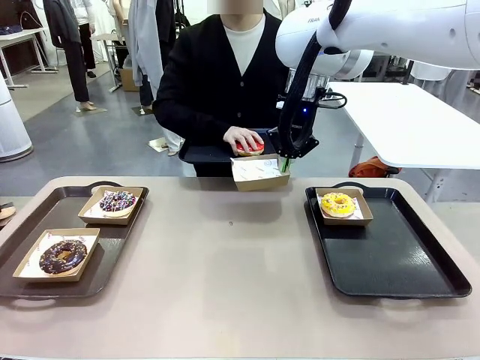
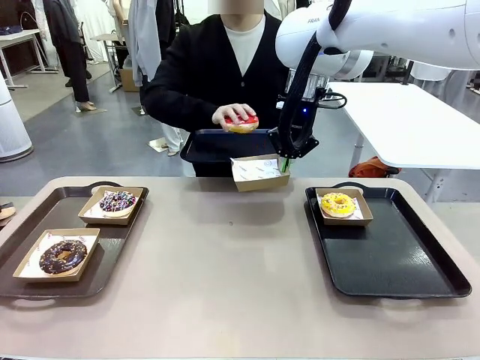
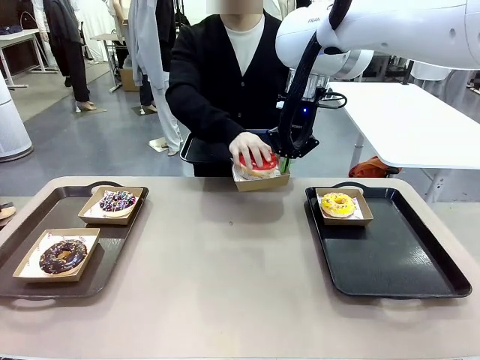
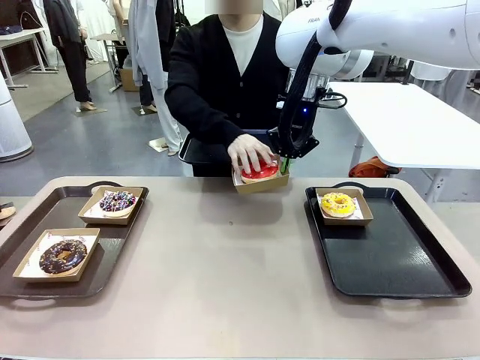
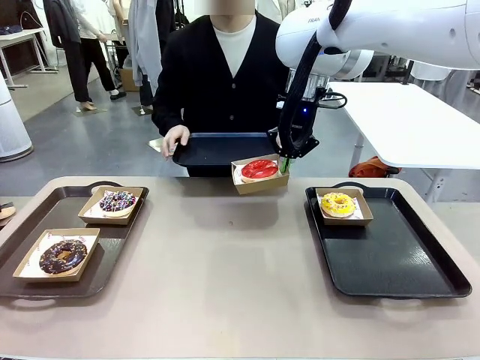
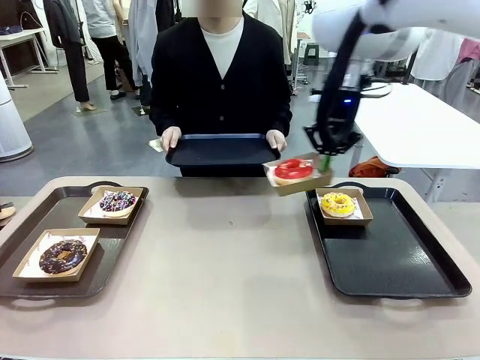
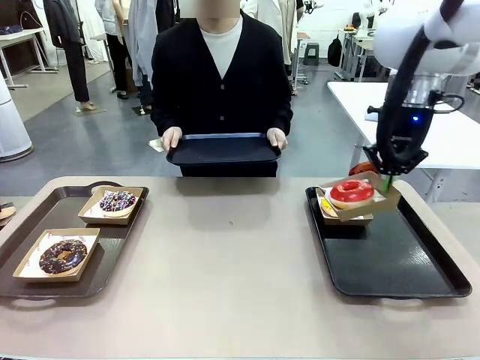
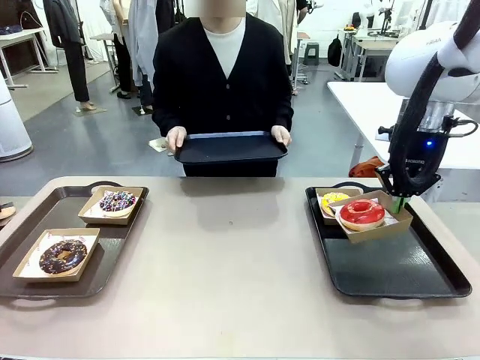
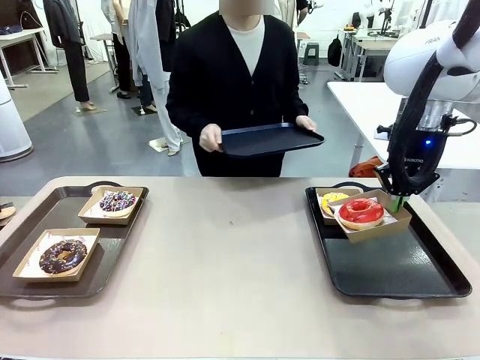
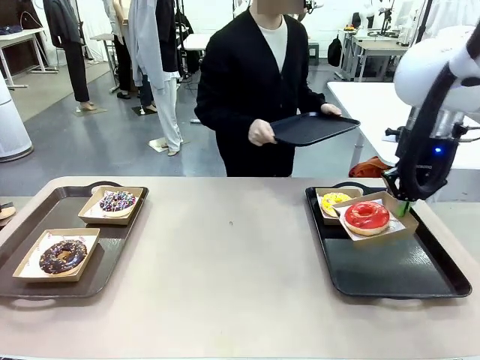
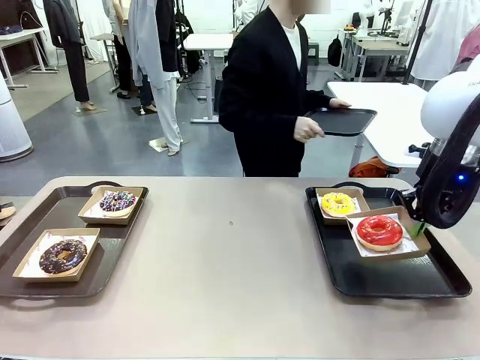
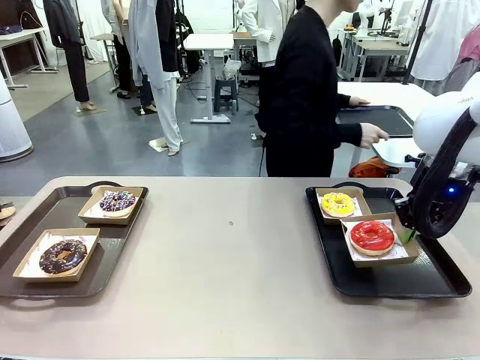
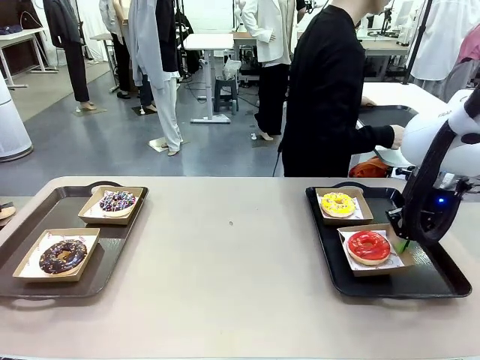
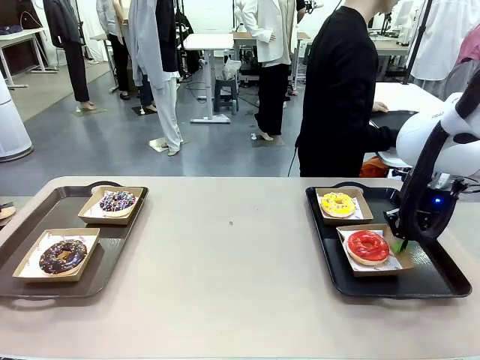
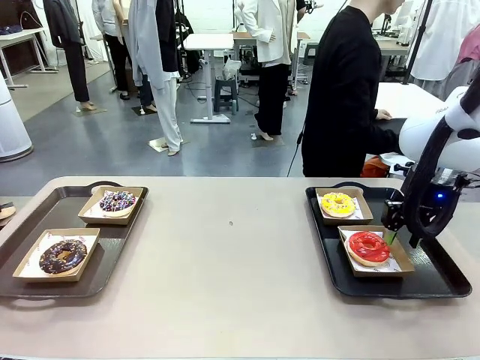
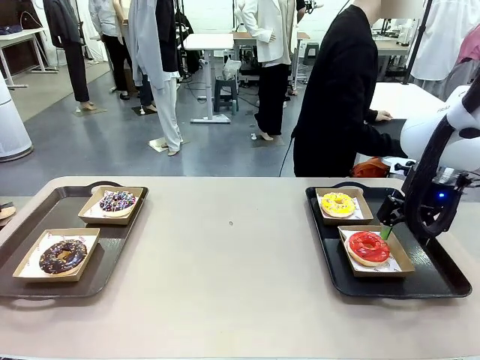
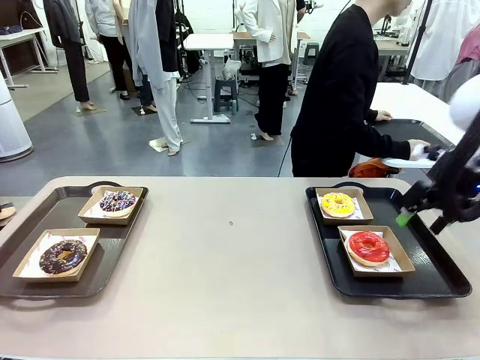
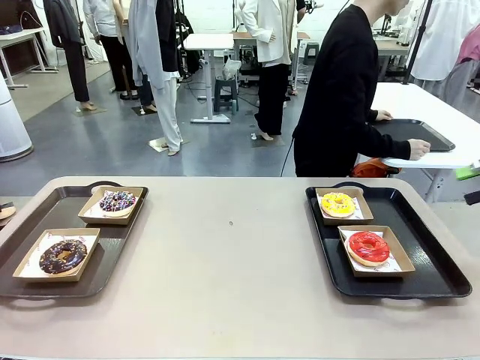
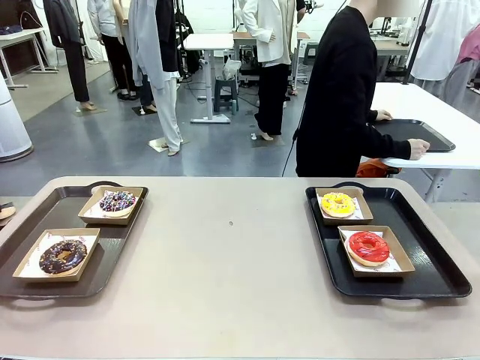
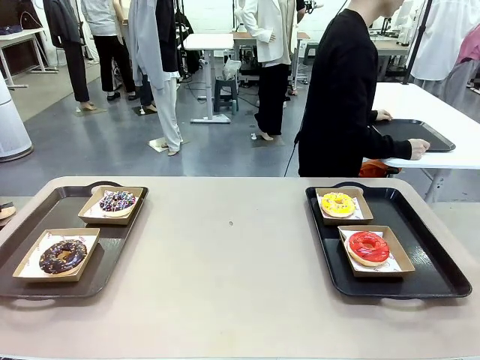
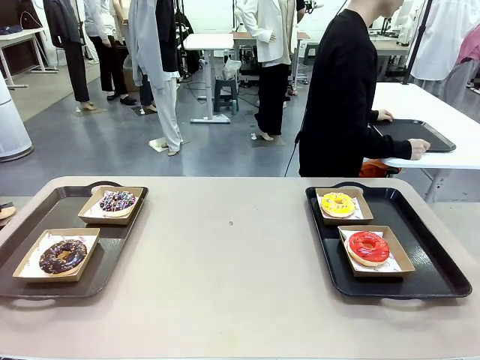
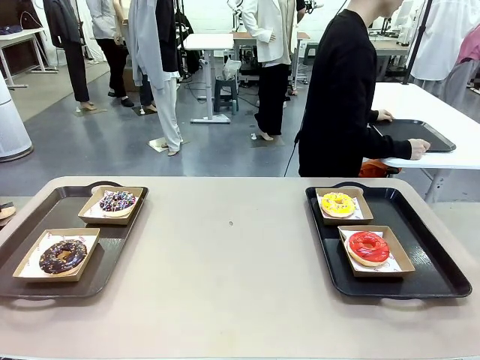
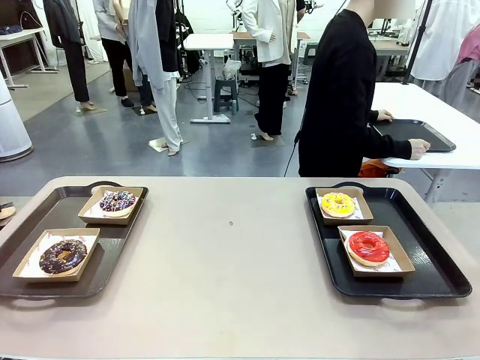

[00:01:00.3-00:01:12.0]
Task: Individually package the donuts and arrange them on the tray.
Robot: Place the picked Paper togo box on the Handle tray.
Person: Place the tray down in the middle of the human table.

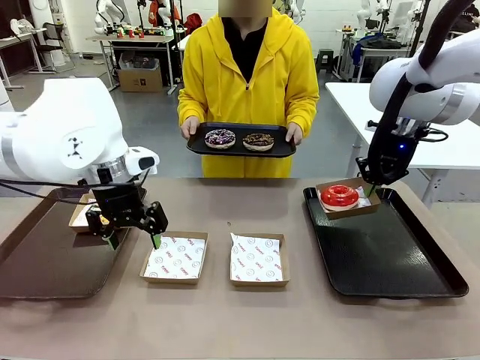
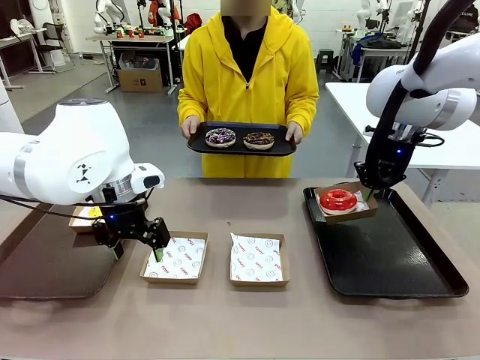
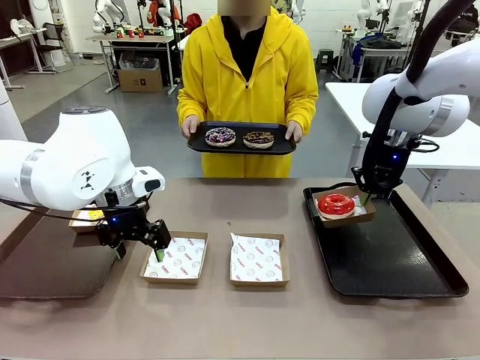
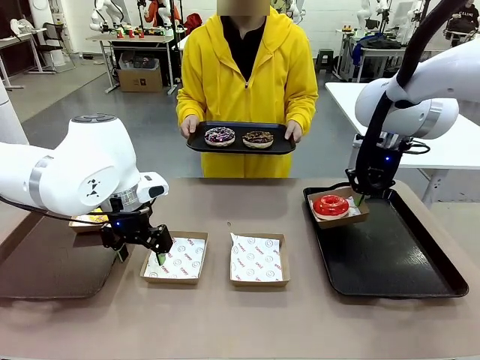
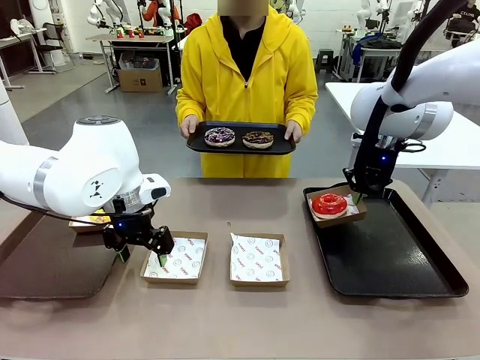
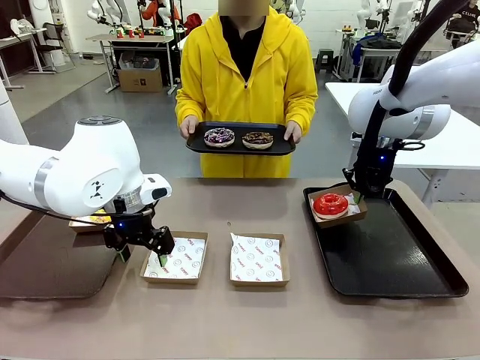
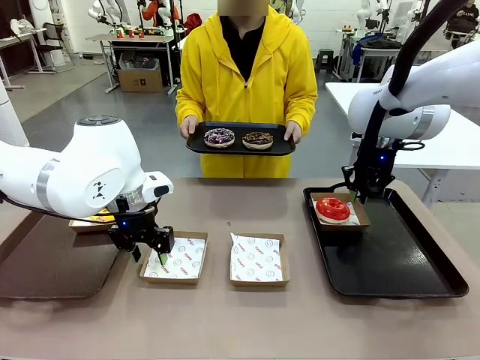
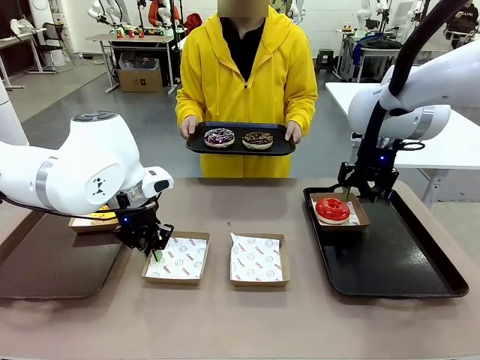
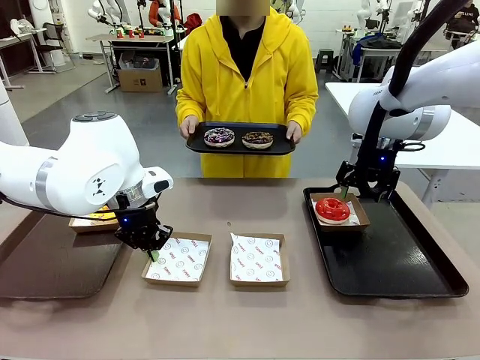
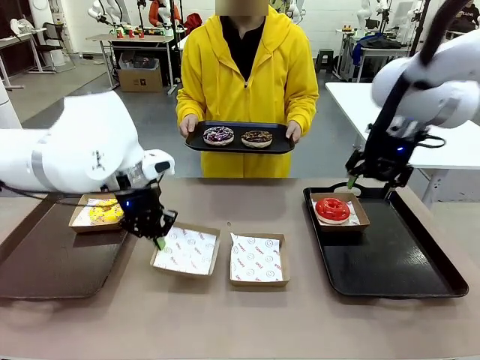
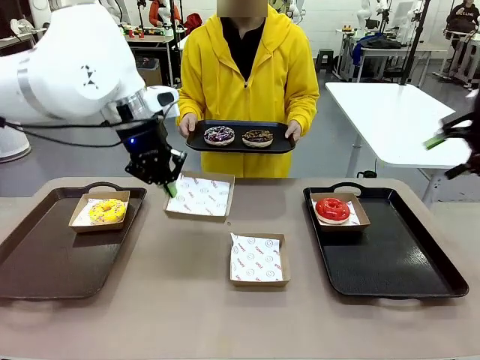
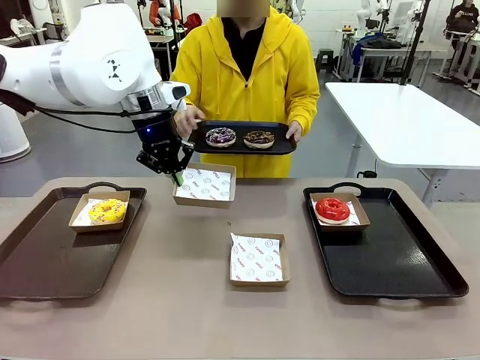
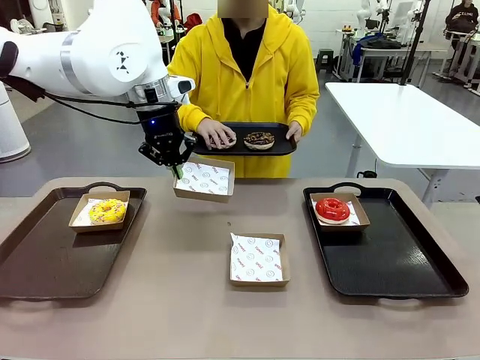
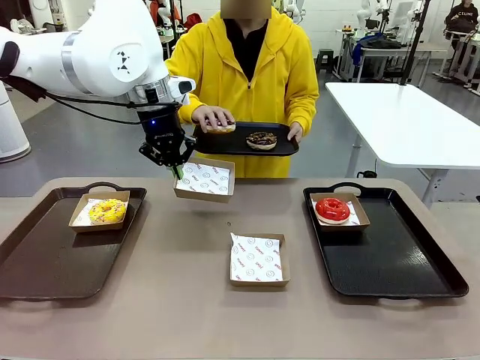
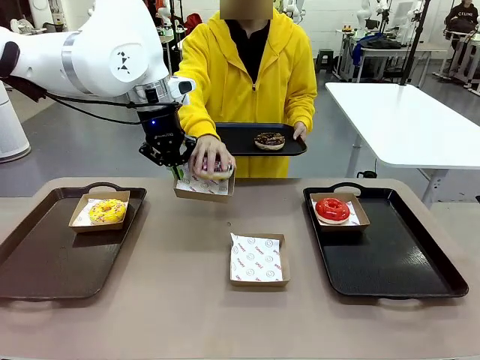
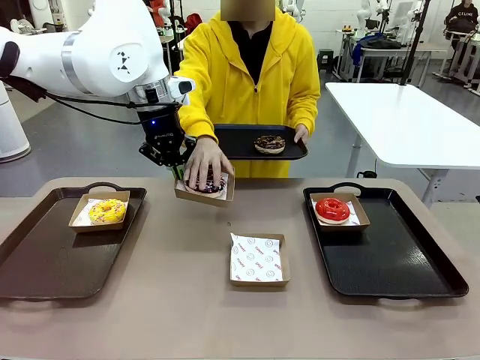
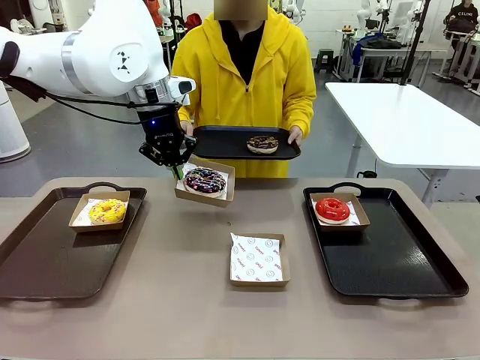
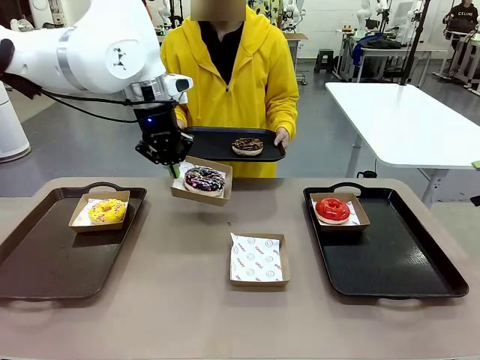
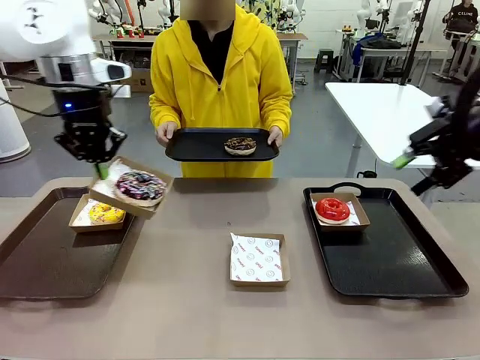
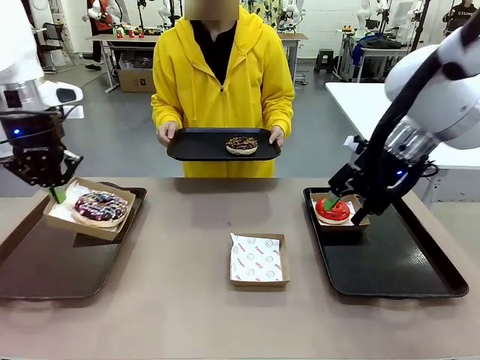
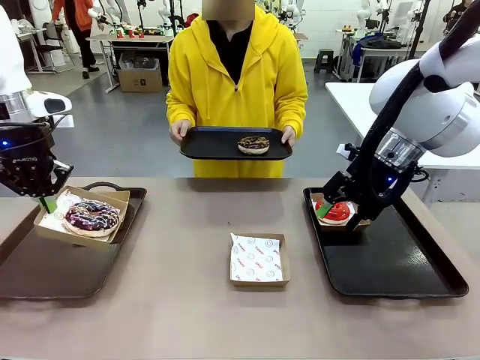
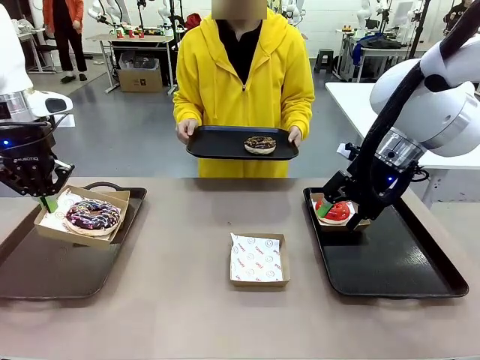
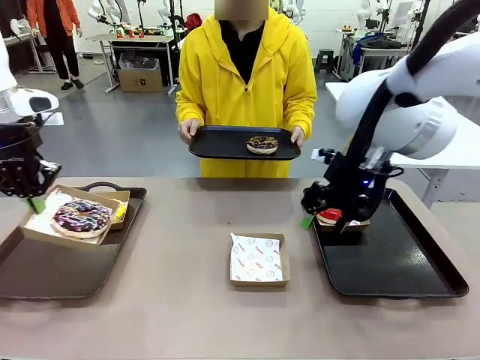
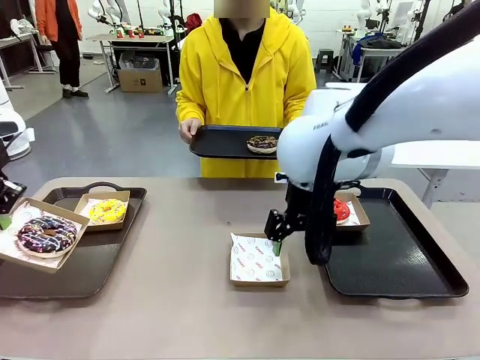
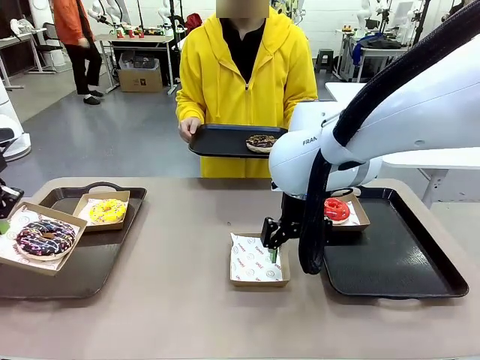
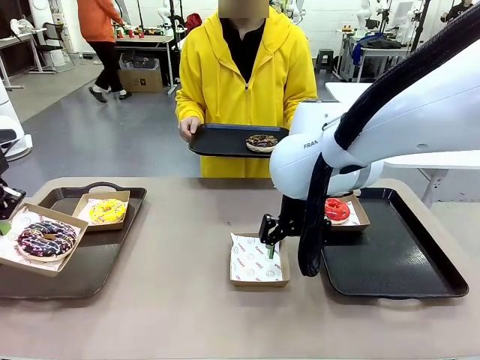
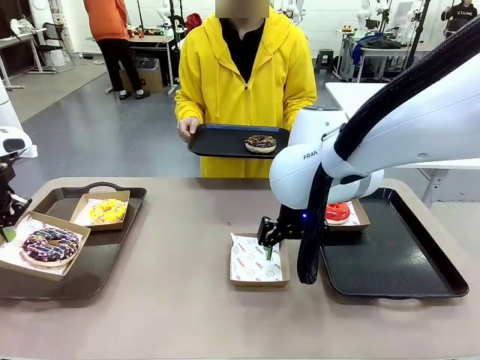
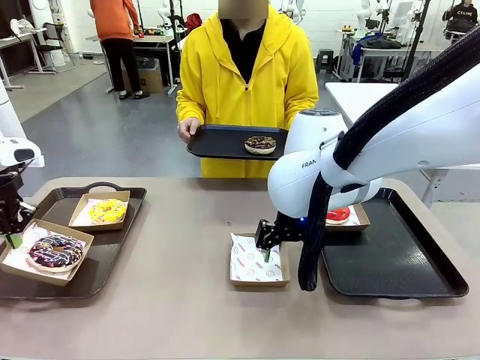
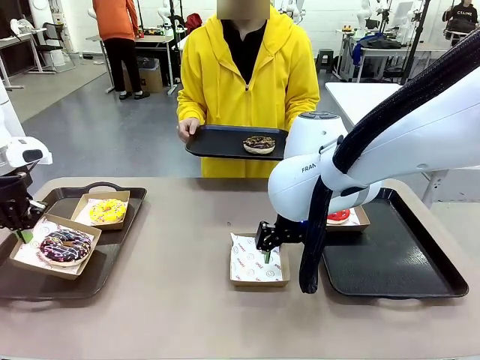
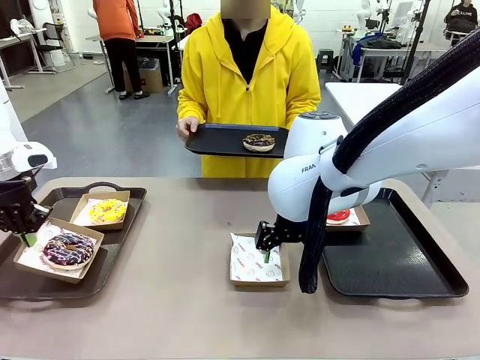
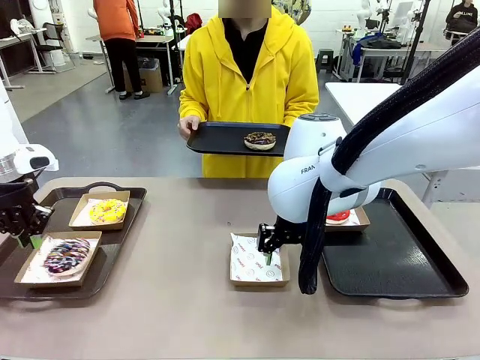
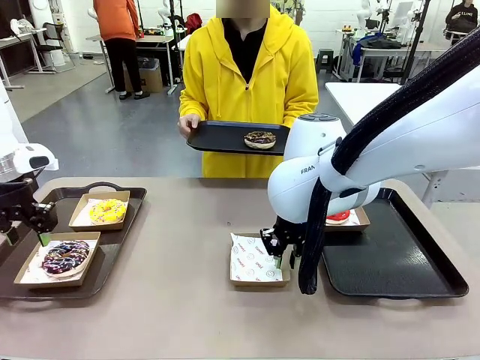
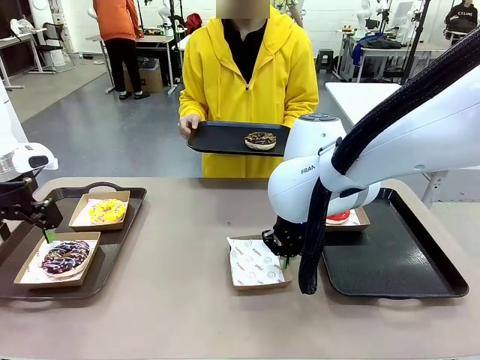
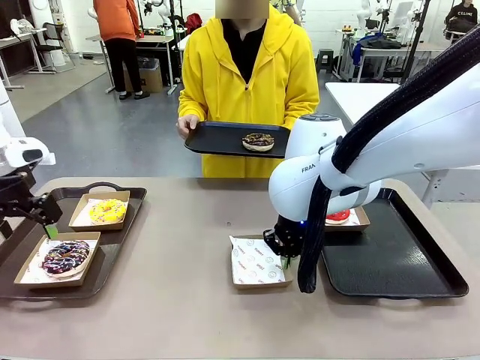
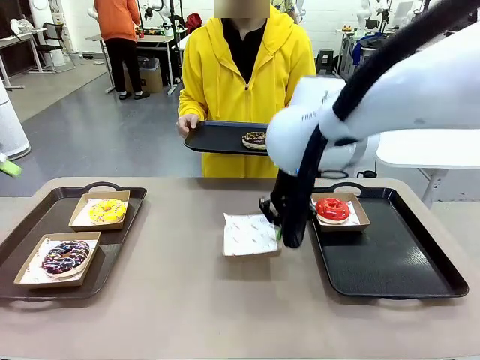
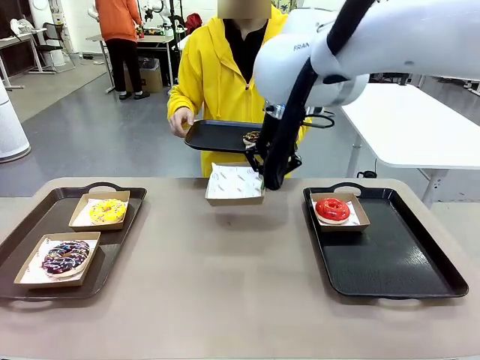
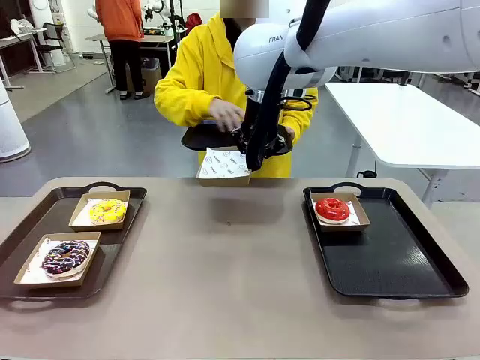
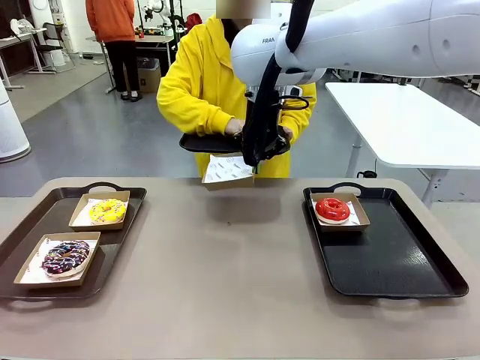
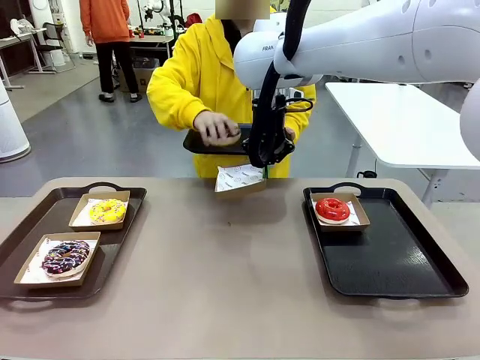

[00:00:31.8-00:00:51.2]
Task: Individually package the donuts and arrange them on the tray.
Robot: Place the picked Paper togo box on the Handle tray while simultaneously picking up another Paper togo box from the table with the other hand.
